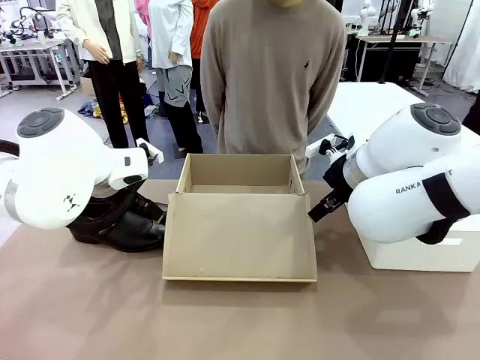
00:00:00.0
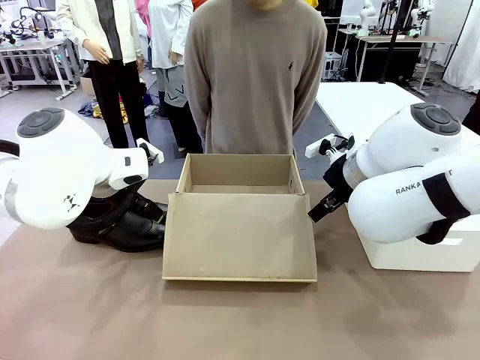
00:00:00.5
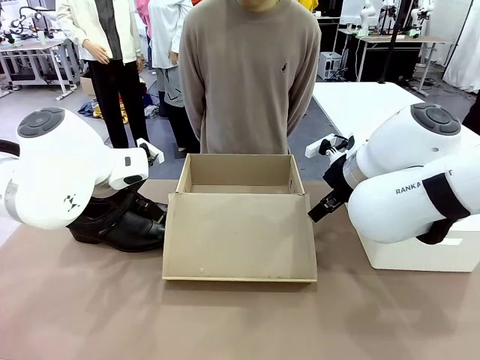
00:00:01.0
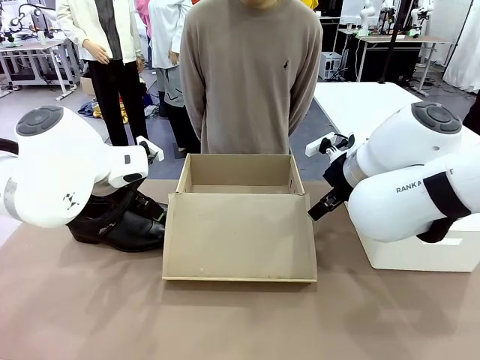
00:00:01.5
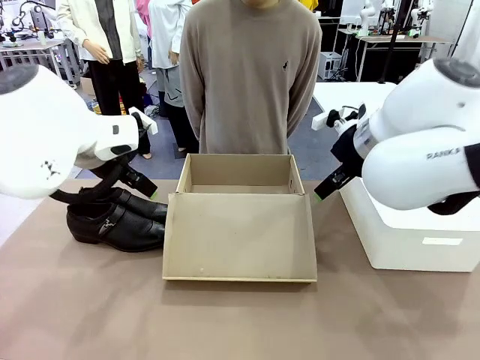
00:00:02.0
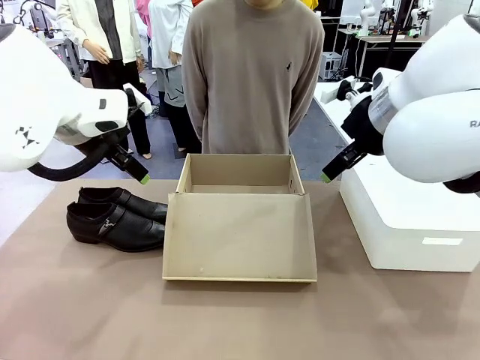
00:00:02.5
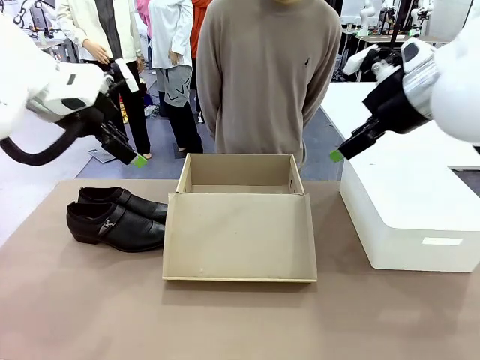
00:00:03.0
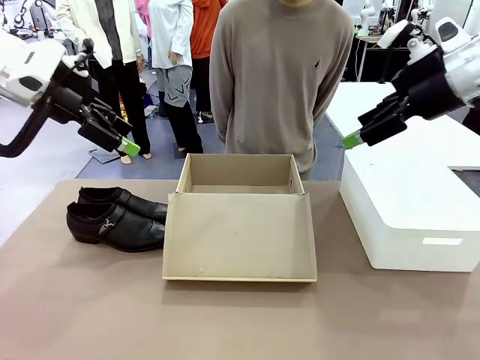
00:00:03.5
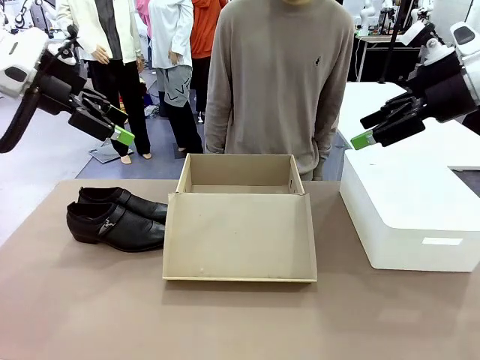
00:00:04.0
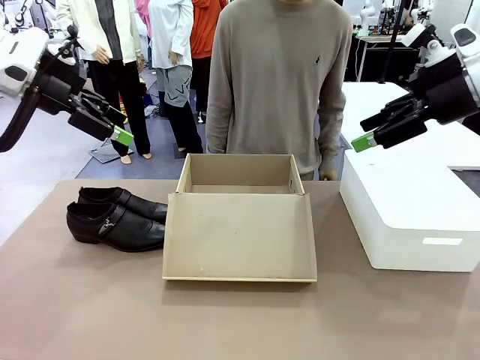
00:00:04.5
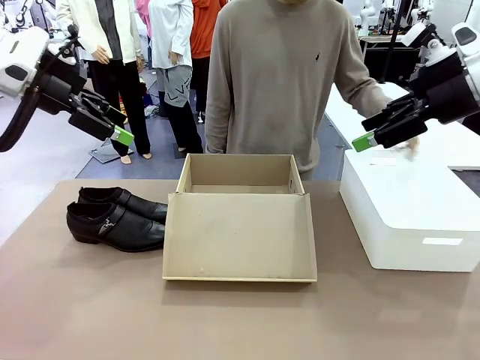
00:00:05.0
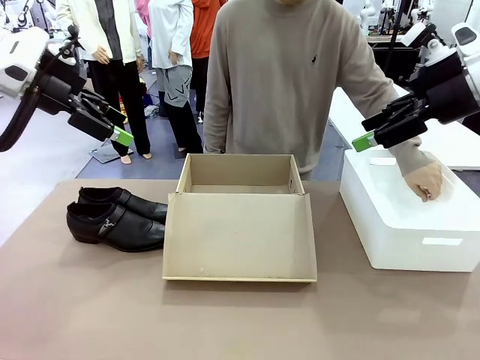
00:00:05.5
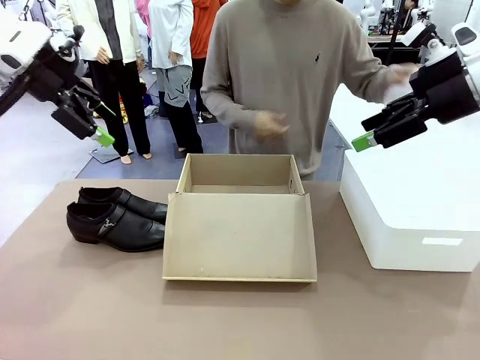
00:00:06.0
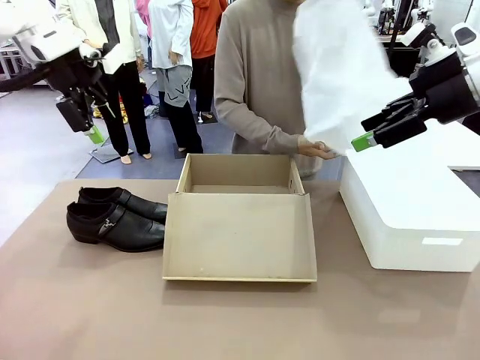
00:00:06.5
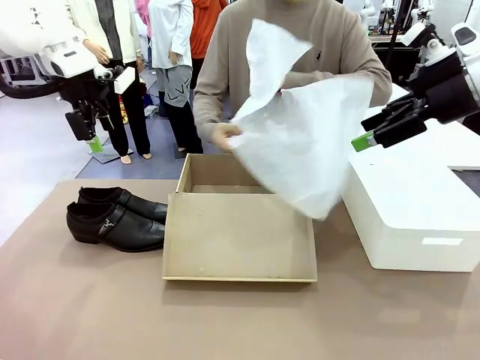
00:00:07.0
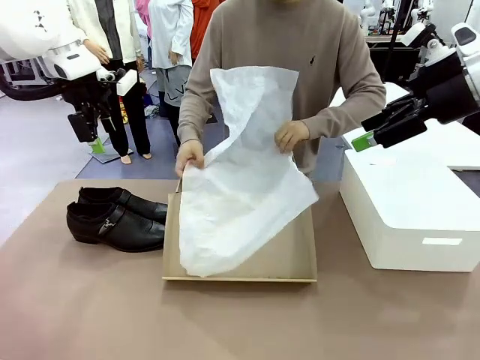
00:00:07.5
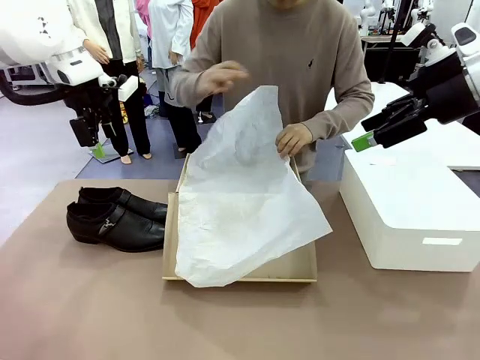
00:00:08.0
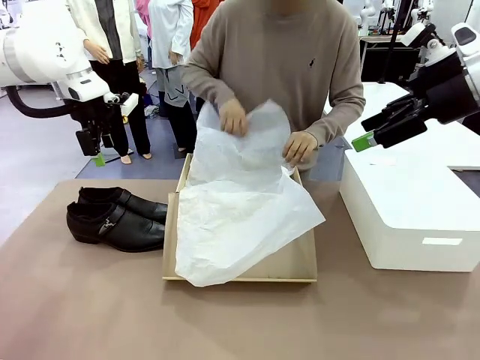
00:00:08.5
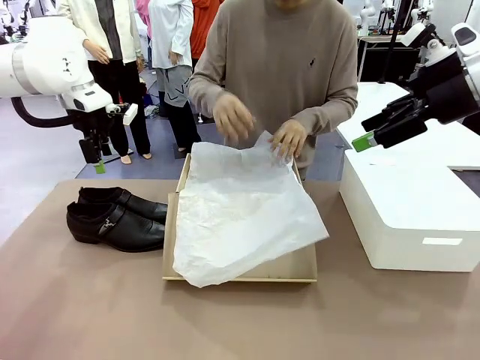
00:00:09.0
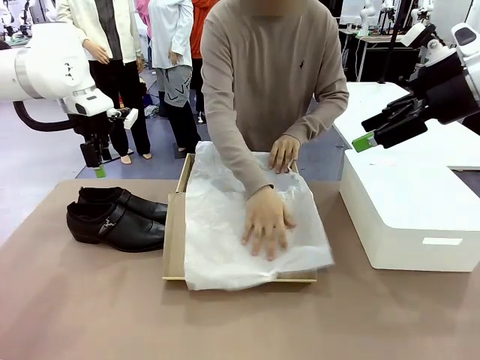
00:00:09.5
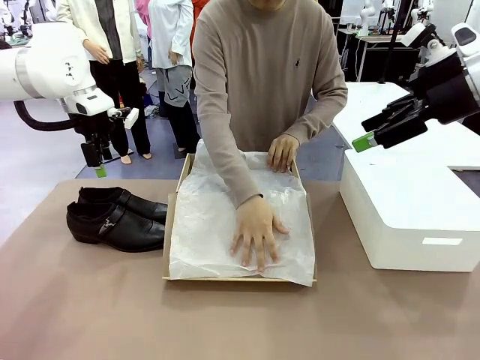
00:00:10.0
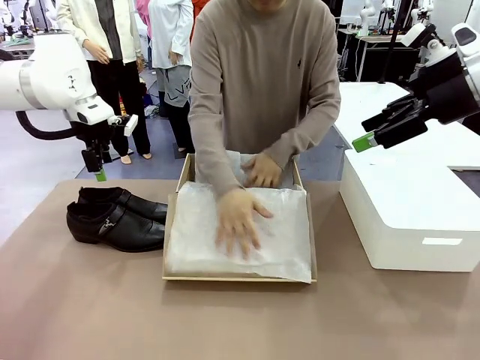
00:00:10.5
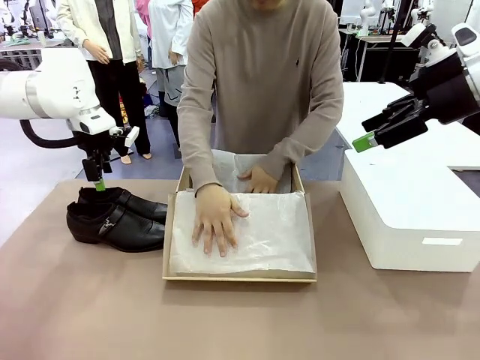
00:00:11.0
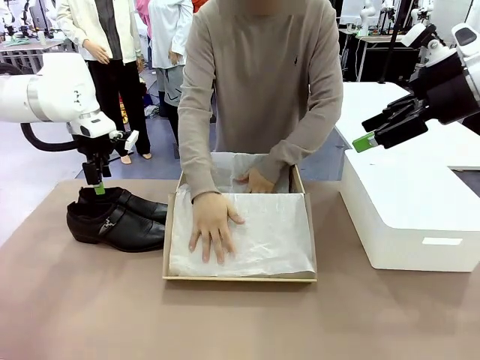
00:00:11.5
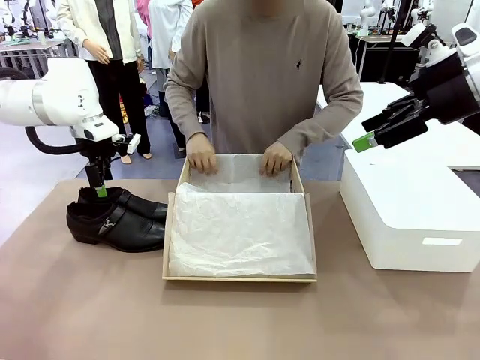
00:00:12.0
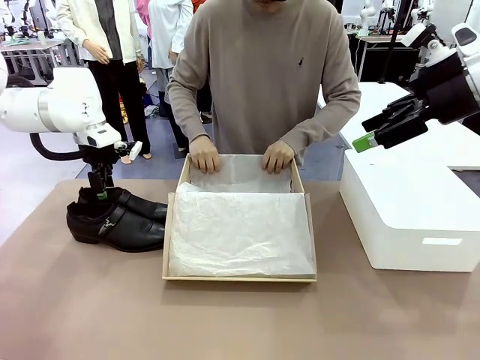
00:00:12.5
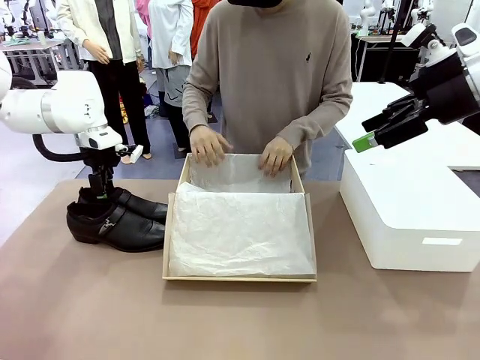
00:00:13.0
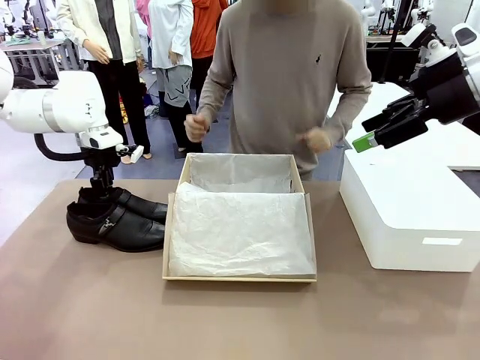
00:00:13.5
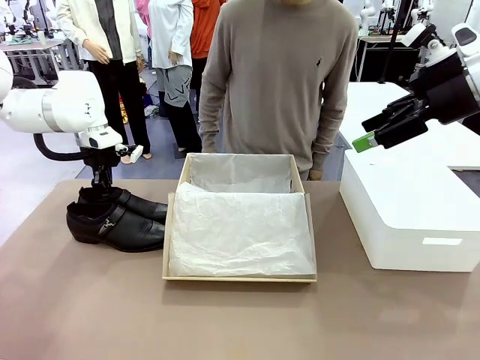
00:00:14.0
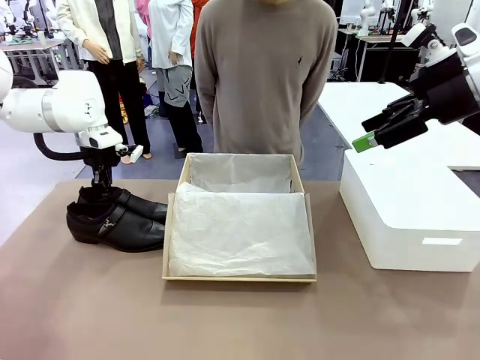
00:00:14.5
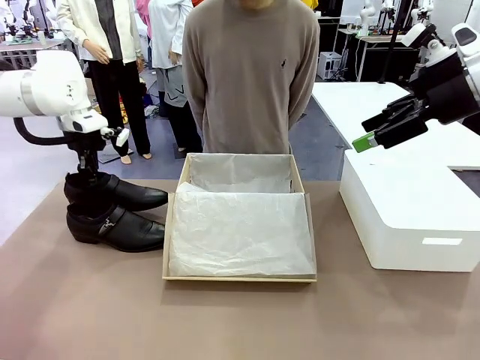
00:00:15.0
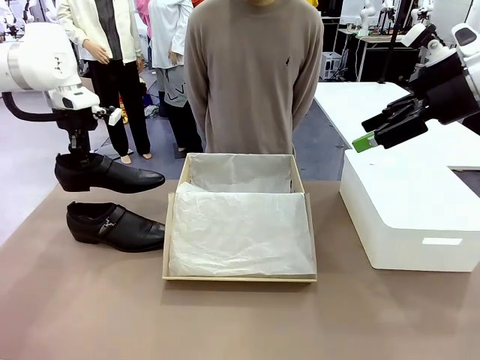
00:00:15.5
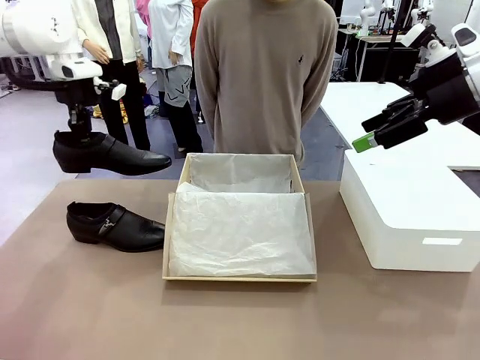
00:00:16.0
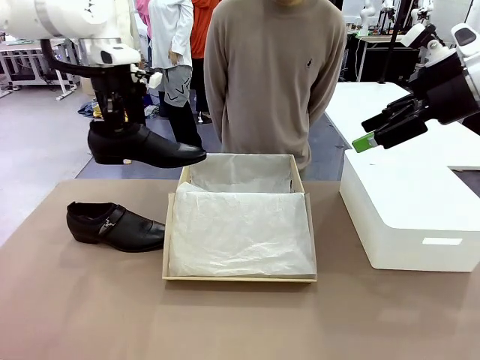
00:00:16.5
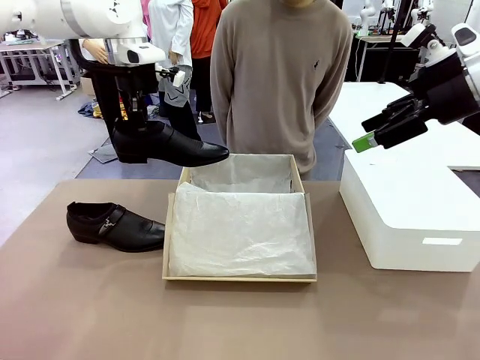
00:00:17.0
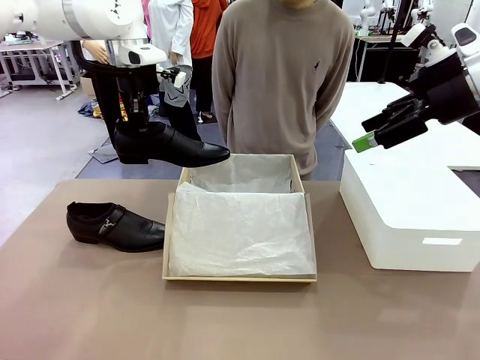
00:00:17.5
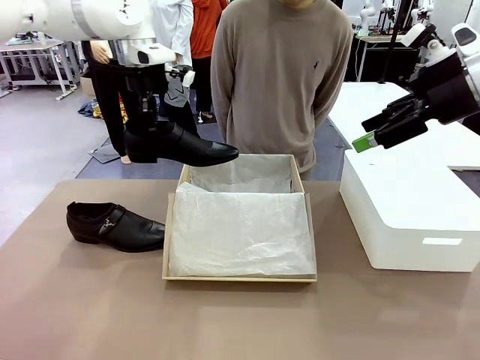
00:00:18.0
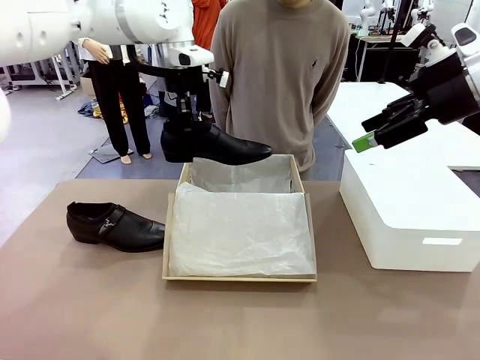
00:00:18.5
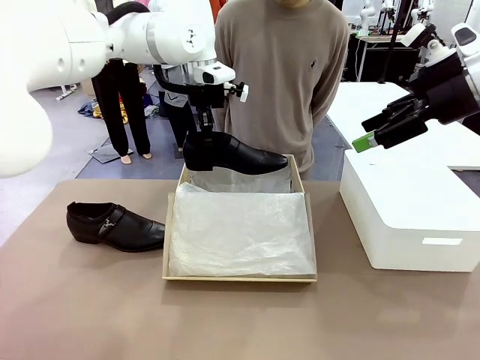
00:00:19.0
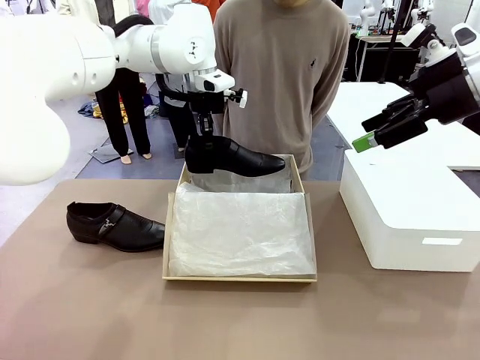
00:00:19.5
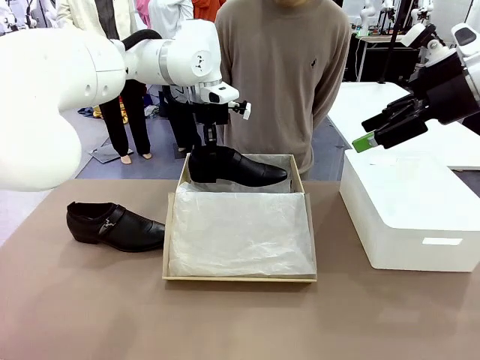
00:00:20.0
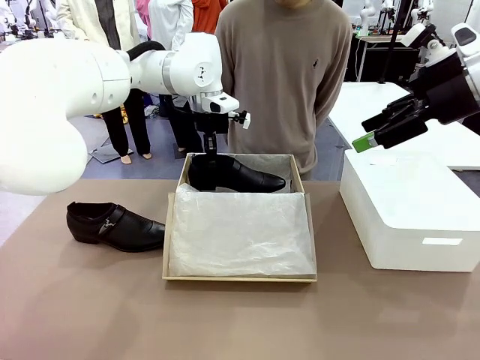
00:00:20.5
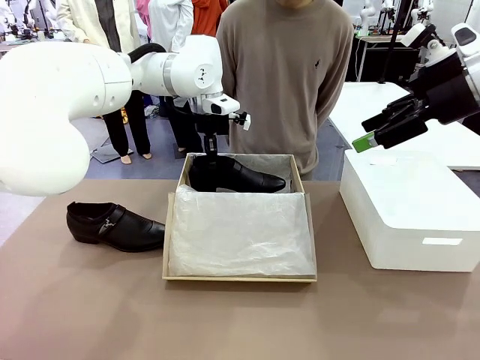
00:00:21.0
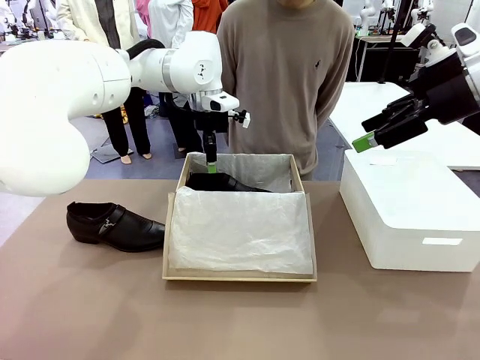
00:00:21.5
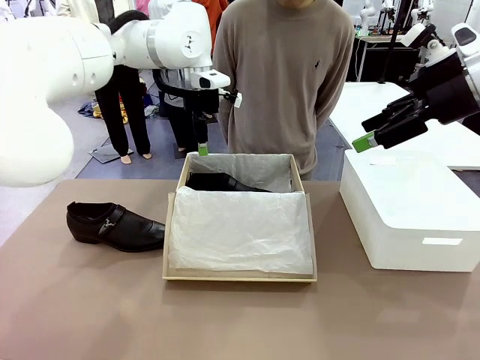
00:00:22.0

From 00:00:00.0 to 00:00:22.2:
Task: Pack the shoes into the box.
Robot: Place one shoe of the Shoes into the Shoes Box.
Person: Spread Shoes Wrapping Paper and place inside the Shoes Box.
